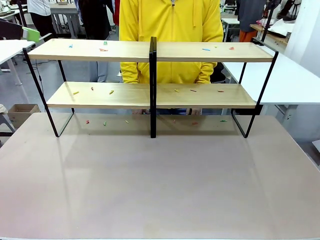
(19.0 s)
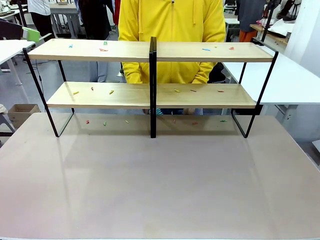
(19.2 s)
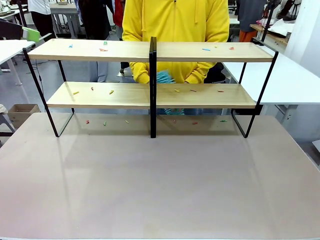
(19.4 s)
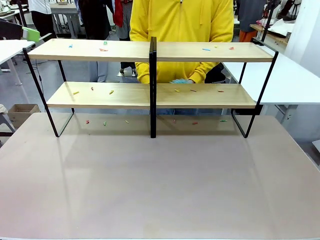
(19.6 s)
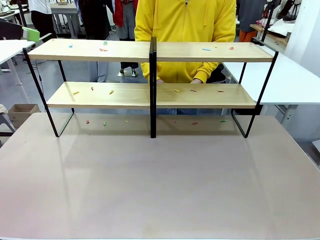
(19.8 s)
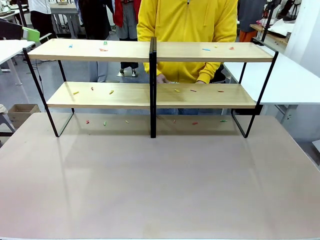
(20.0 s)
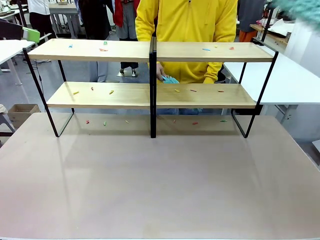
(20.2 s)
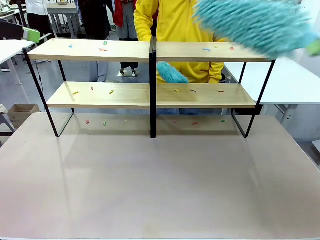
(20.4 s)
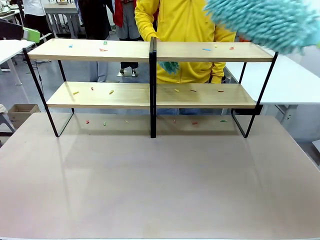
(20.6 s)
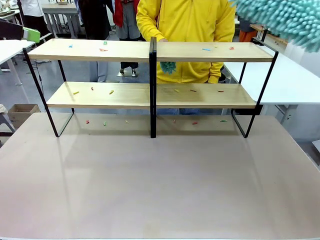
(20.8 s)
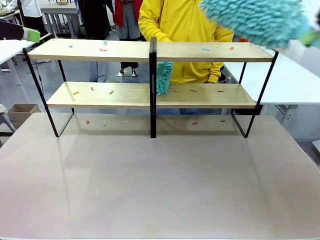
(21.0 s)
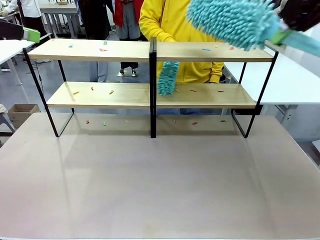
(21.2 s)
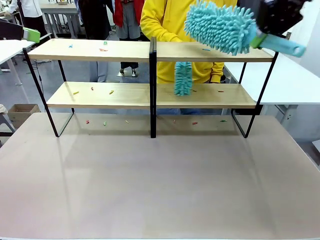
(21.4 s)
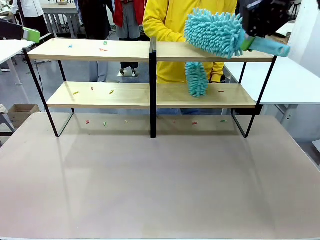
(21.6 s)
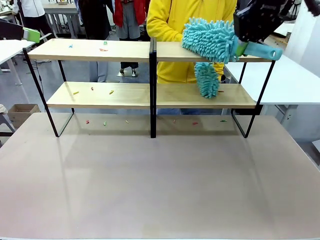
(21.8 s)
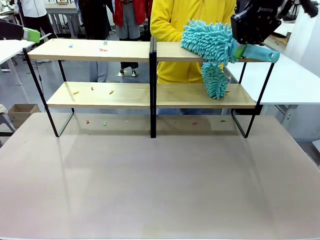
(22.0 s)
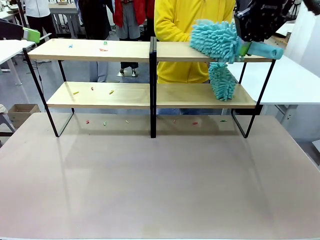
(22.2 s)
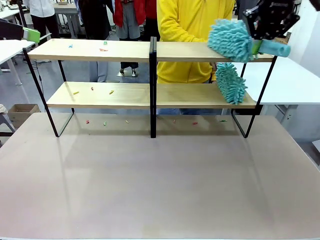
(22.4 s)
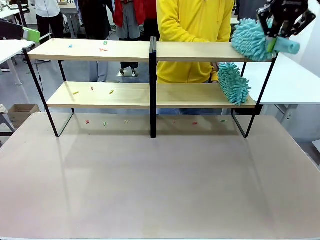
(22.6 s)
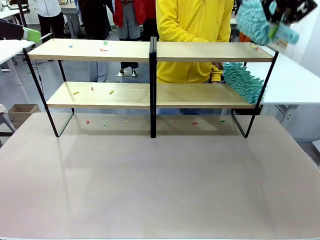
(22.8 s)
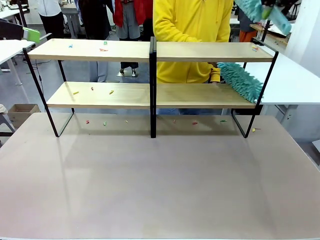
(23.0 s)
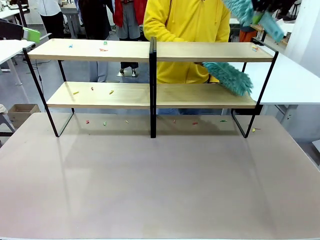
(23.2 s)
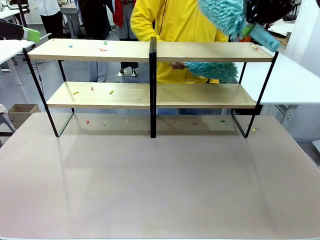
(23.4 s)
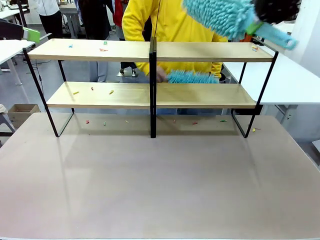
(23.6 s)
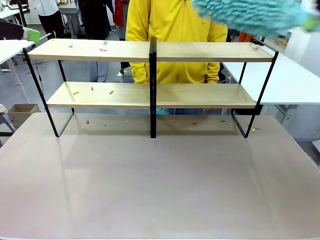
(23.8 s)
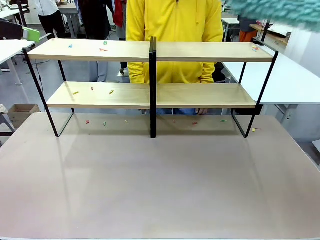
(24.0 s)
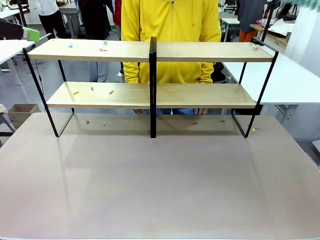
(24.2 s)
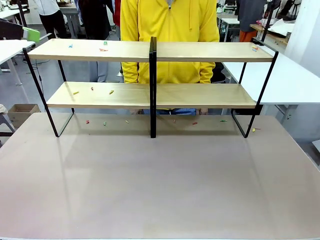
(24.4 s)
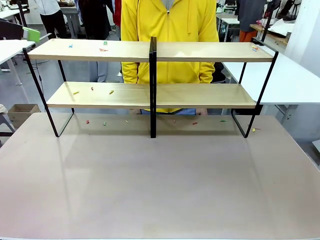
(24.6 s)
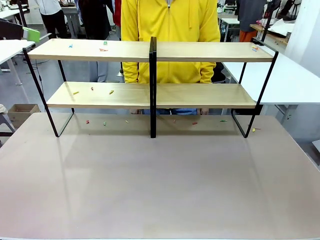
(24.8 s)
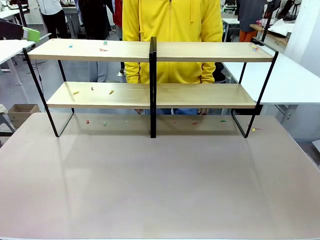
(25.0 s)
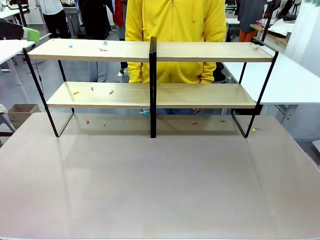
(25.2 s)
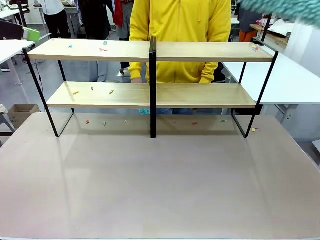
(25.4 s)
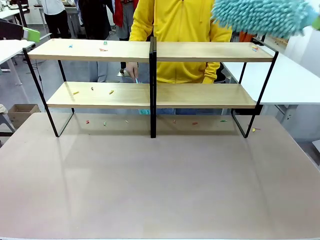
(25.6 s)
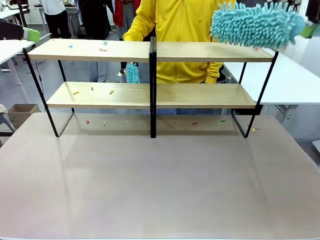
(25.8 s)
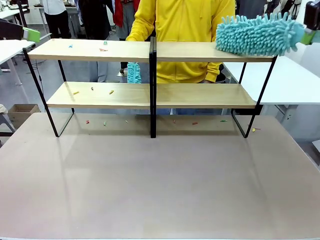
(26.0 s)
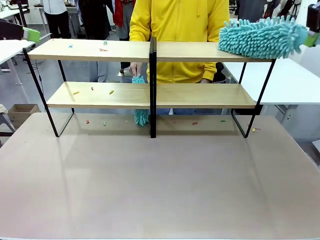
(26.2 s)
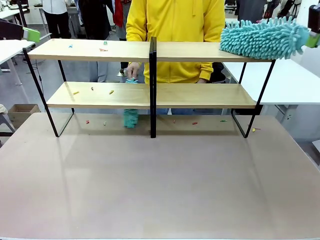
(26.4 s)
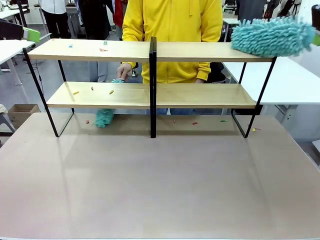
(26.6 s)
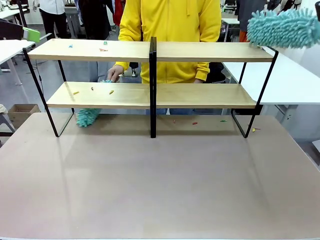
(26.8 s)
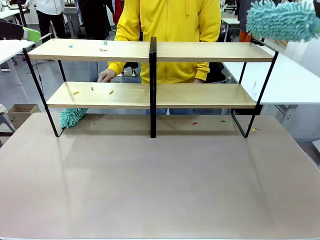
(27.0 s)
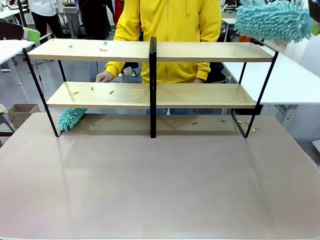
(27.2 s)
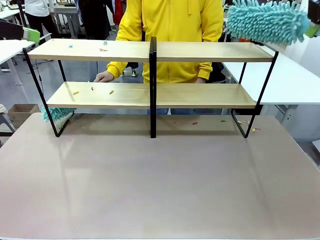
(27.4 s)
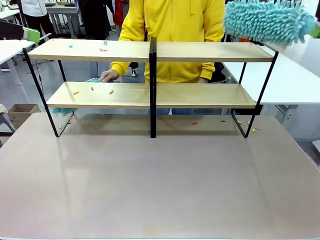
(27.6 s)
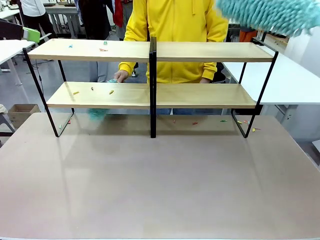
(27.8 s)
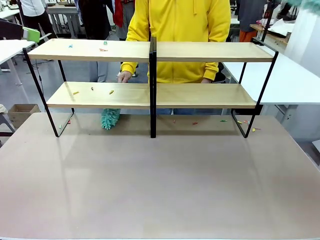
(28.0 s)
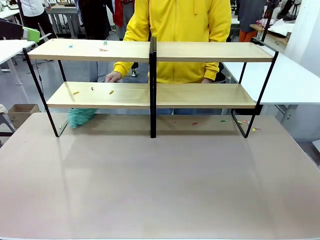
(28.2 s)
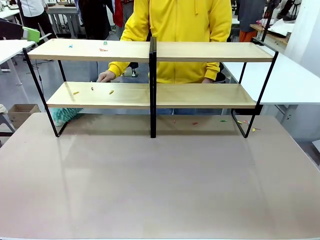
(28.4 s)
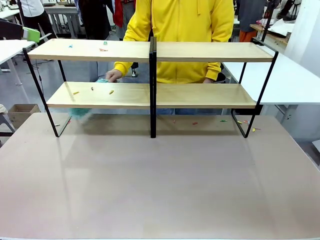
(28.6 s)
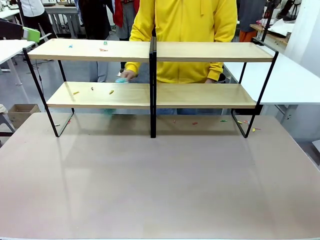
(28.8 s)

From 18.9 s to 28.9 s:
Task: Clean the shelves.
Robot: Clean a randomly selected level of the Shelf with the Duster.

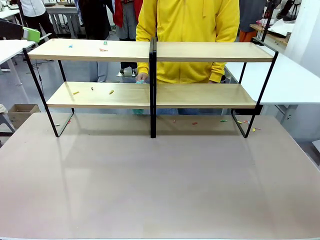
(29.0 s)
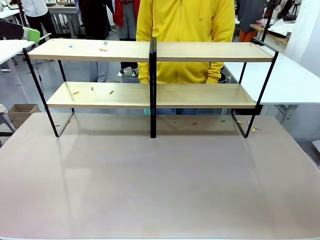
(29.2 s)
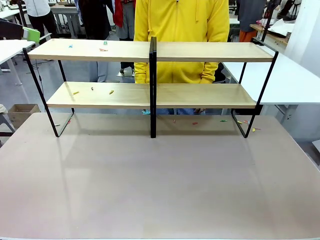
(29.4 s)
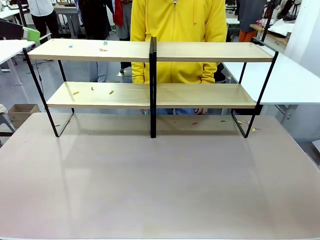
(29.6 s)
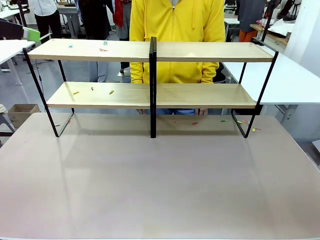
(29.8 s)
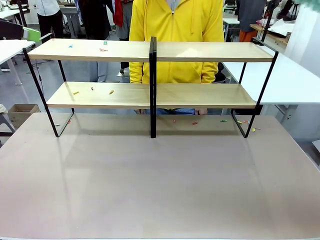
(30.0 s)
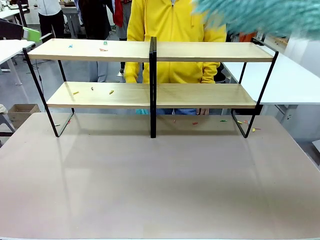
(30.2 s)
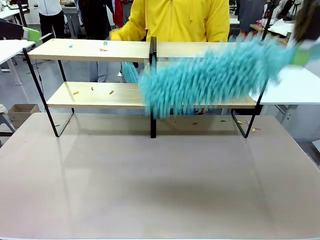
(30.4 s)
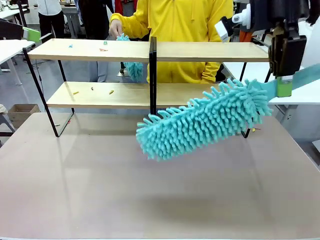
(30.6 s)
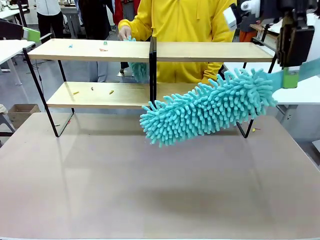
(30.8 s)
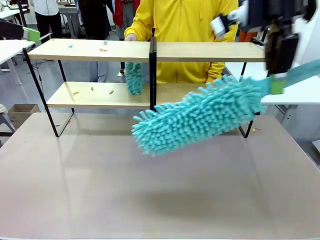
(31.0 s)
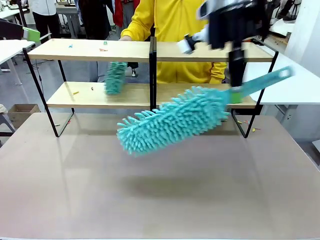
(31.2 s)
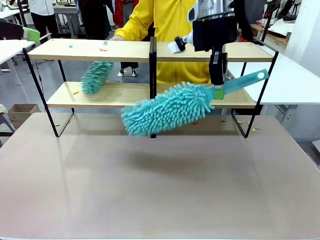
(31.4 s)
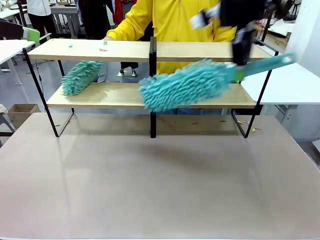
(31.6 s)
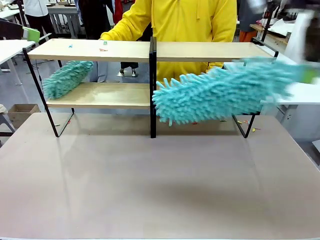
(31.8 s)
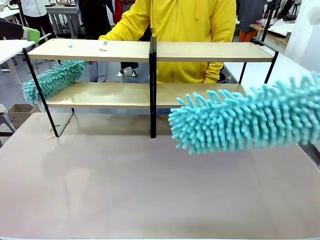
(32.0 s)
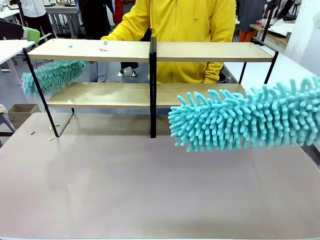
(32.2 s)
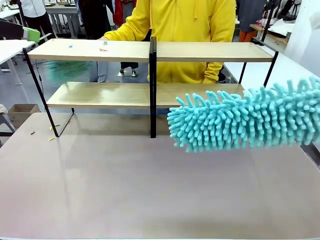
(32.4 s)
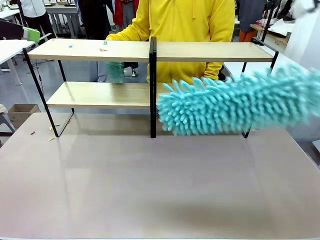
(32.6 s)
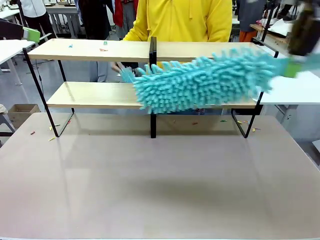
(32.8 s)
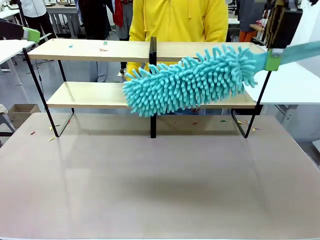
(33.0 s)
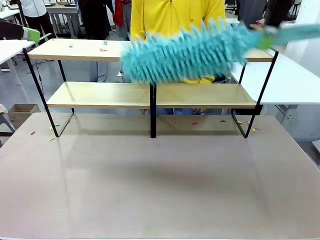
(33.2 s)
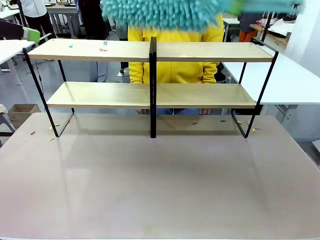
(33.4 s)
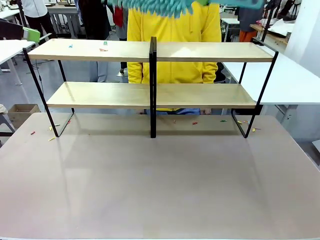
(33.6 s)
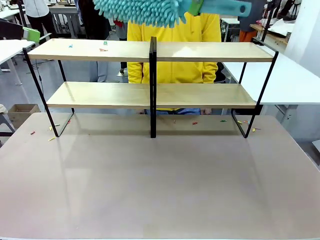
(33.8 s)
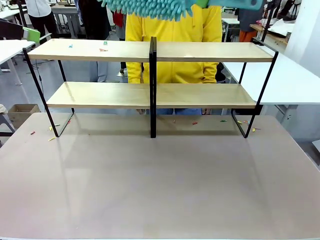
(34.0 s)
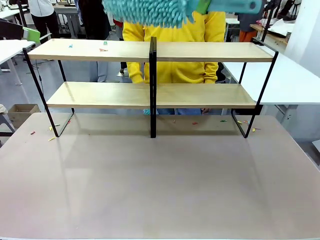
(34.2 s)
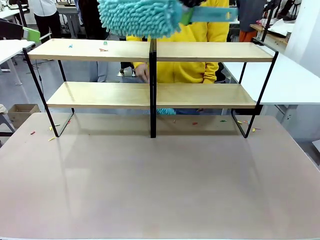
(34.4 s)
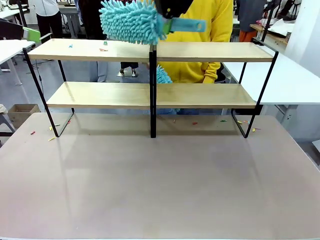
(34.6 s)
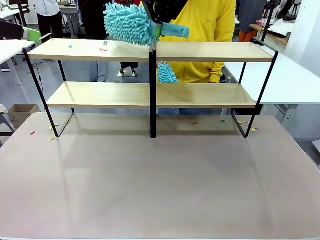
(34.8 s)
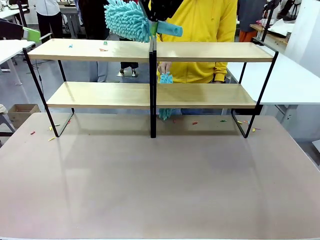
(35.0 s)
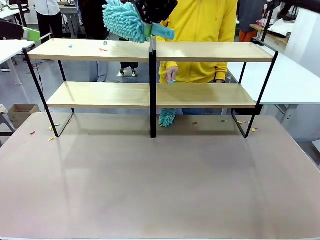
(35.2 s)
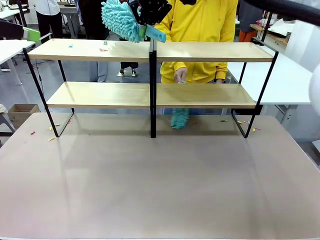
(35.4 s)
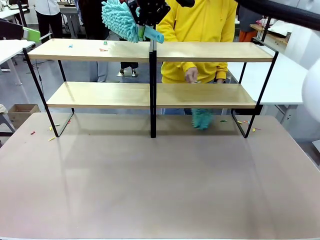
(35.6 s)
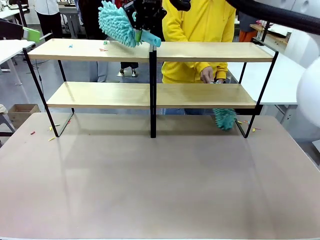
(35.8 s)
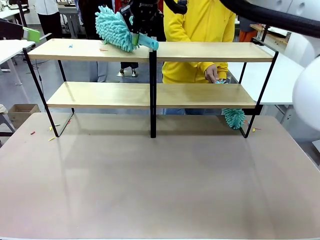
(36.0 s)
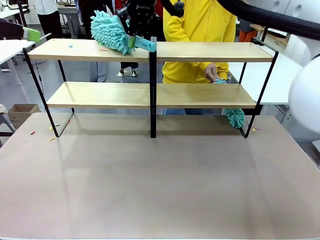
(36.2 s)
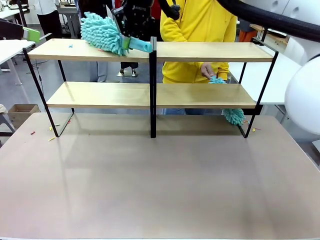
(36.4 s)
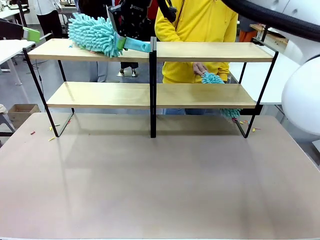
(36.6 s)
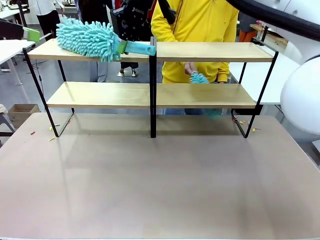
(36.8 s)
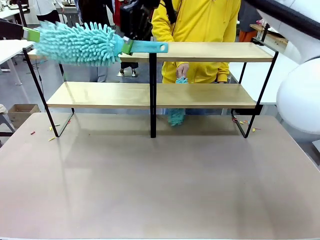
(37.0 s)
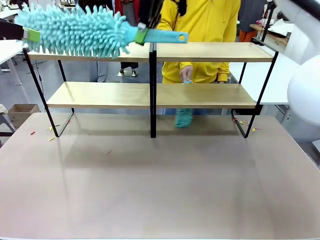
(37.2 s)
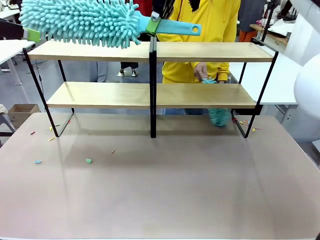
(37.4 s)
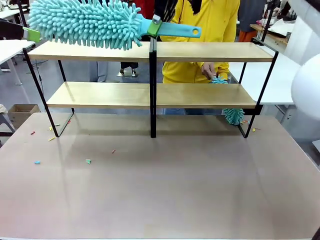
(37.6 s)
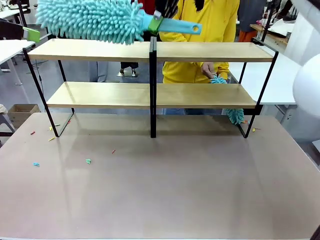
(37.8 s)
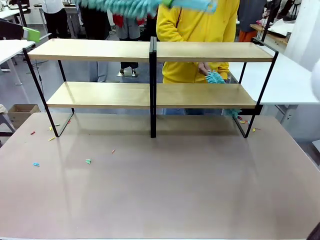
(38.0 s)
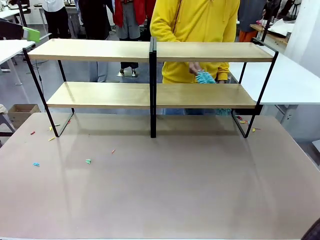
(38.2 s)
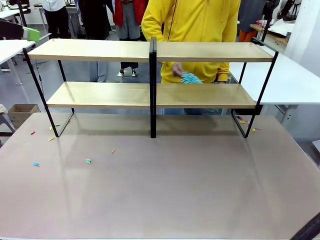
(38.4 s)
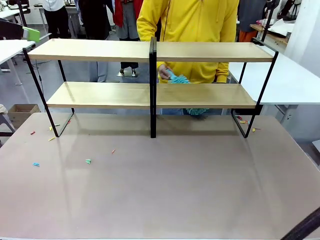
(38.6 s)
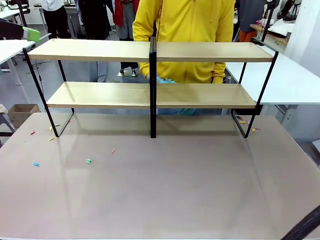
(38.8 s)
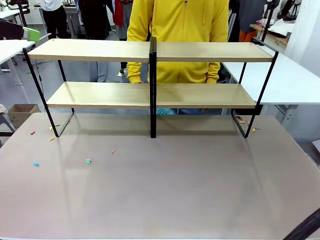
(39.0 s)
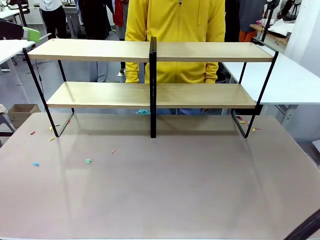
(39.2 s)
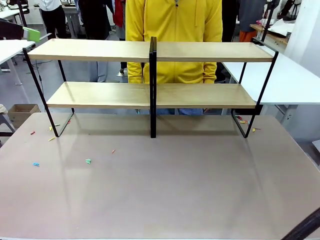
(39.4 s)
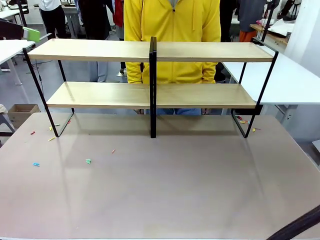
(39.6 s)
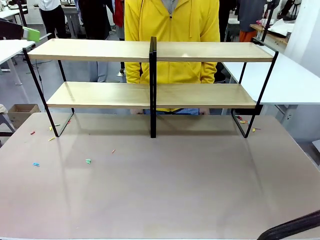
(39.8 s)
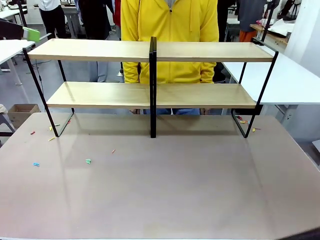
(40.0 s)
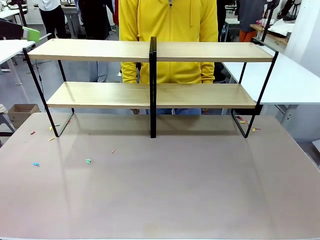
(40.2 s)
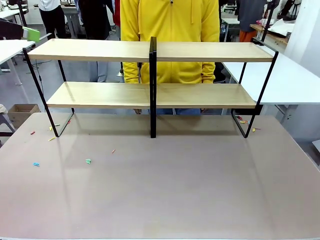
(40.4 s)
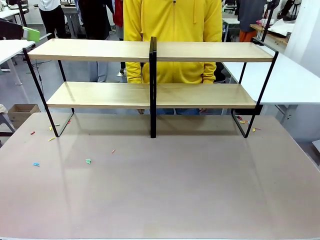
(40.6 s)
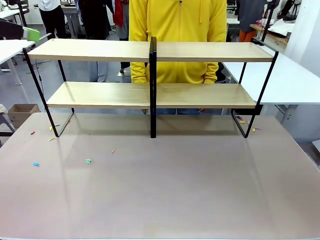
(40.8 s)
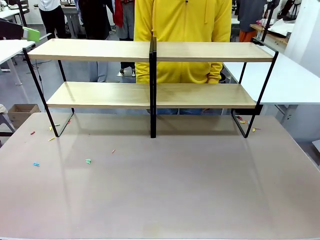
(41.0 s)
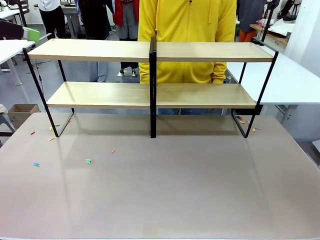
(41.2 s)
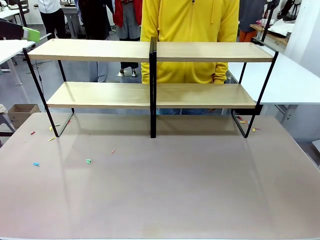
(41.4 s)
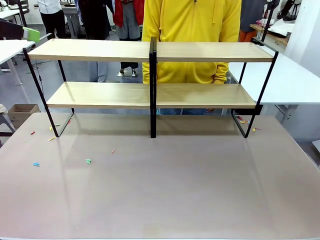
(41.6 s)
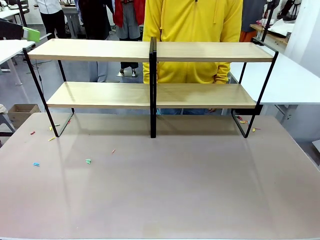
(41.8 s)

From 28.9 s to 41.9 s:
Robot: Clean another randomly selected level of the Shelf with the Duster.
